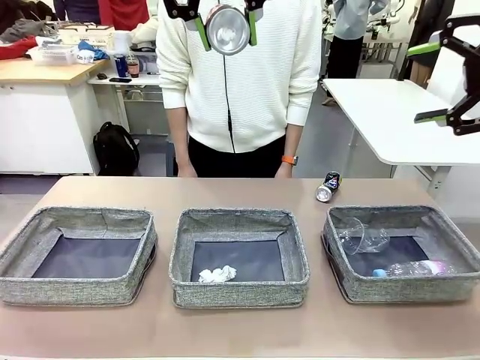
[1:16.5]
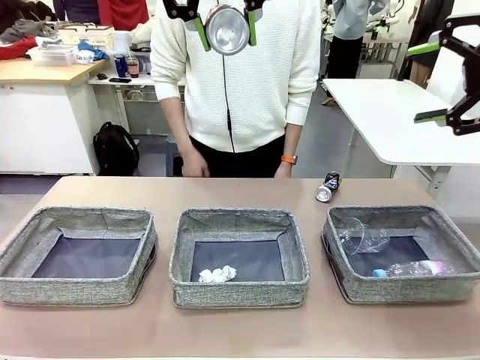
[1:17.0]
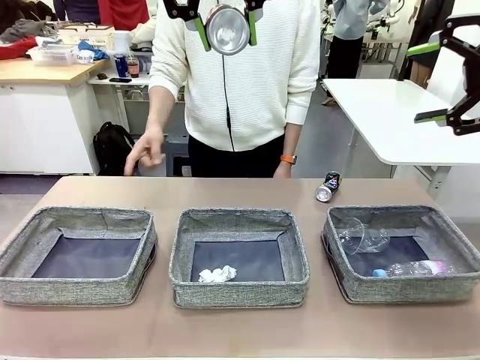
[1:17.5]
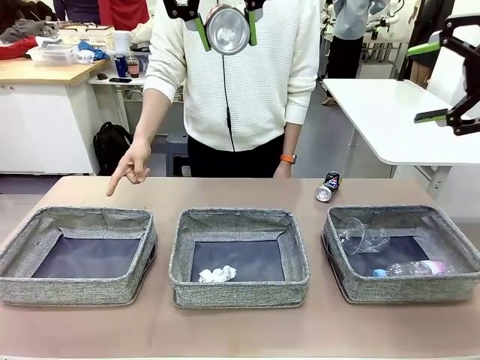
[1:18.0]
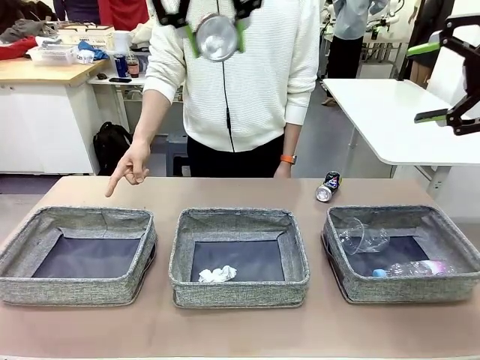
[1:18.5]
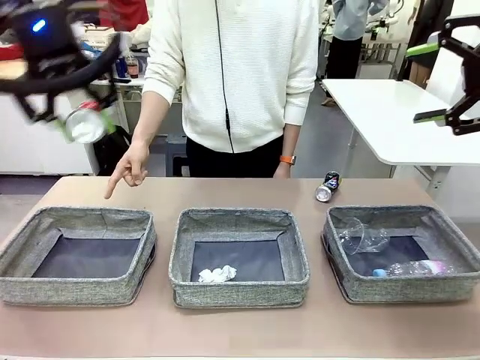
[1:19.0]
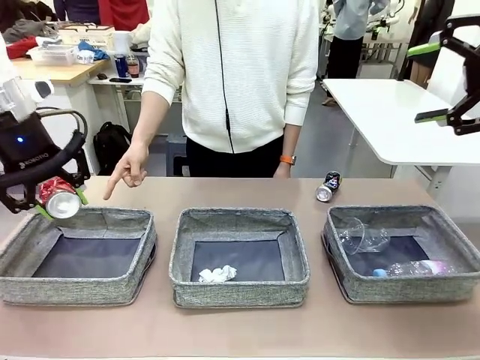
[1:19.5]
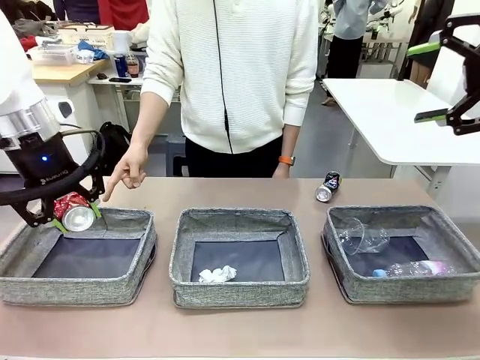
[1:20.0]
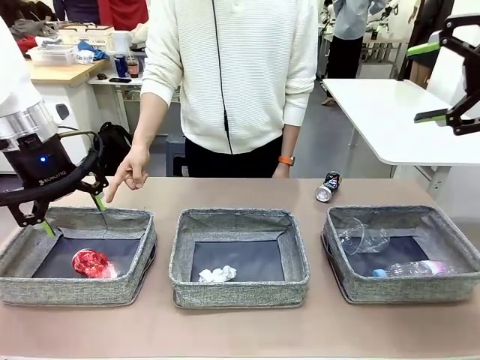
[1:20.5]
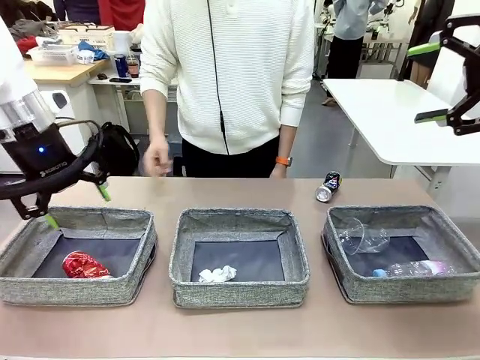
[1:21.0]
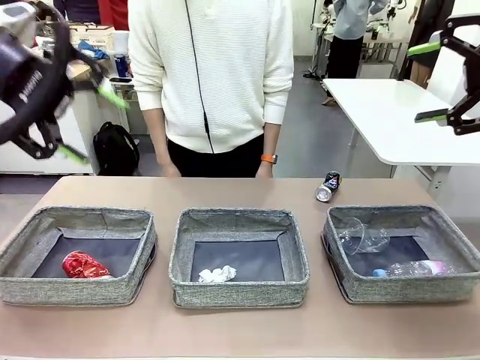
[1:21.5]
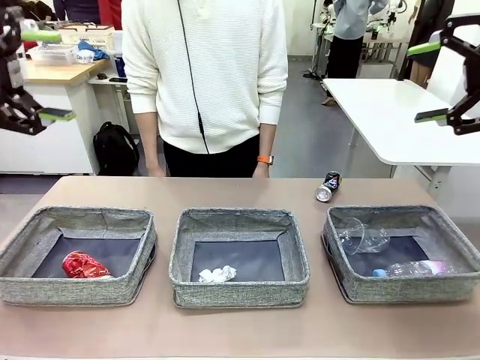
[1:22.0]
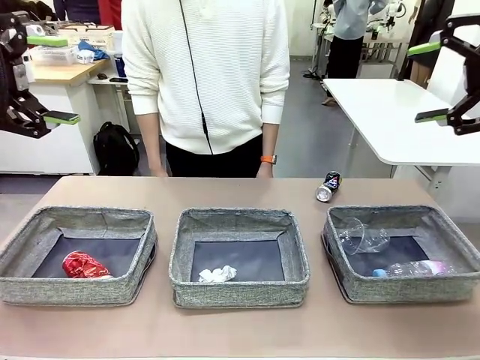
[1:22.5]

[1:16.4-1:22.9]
Task: Sort the waste into the appropriate baskets.
Robot: Place the picked waste into the Fabric basket indicated by the person.
Person: Instructs the robot to place the picked-up trash into the appropriate organizing basket.

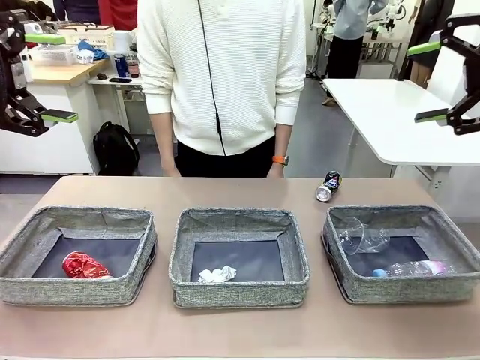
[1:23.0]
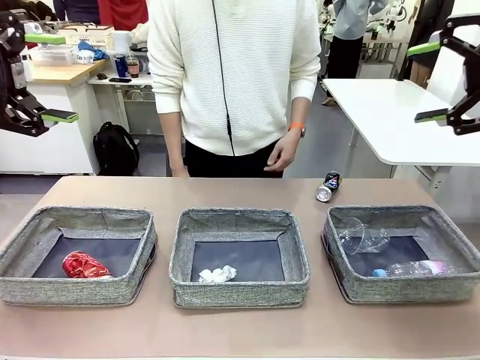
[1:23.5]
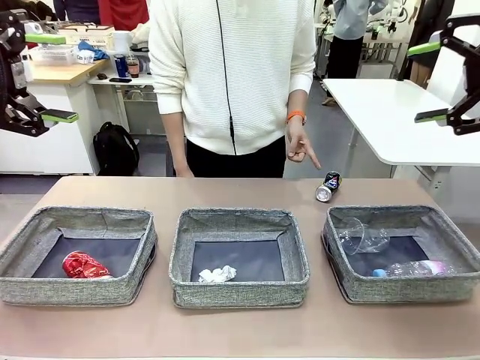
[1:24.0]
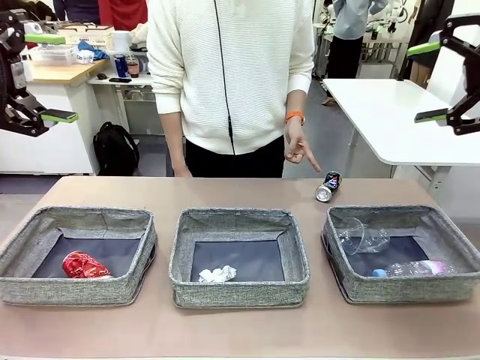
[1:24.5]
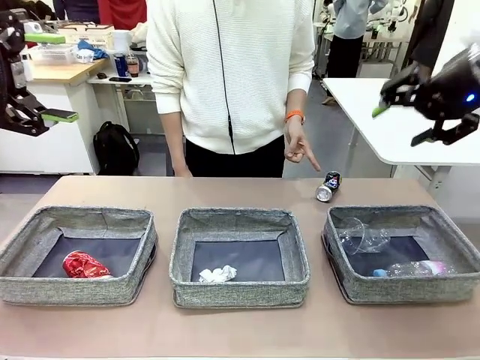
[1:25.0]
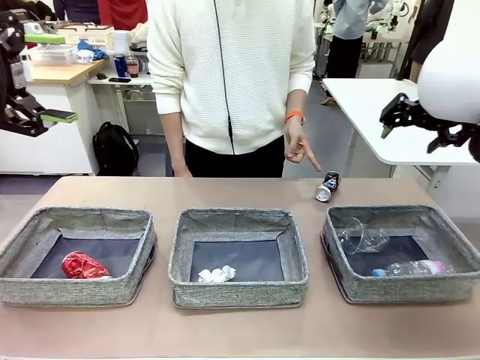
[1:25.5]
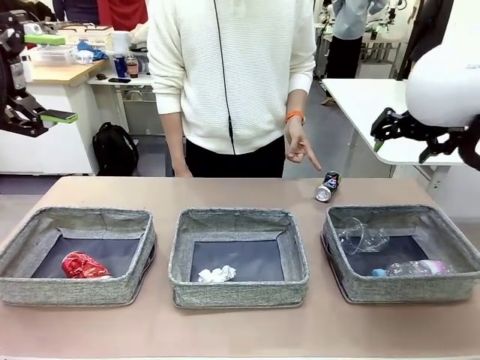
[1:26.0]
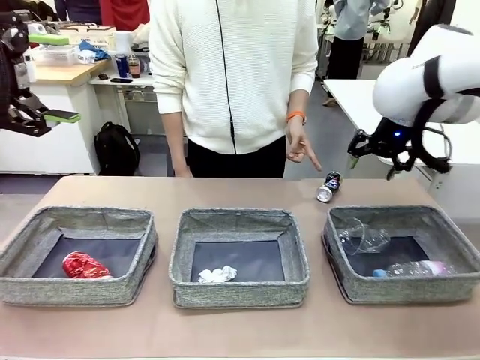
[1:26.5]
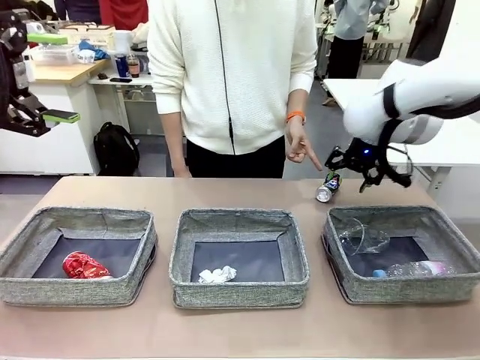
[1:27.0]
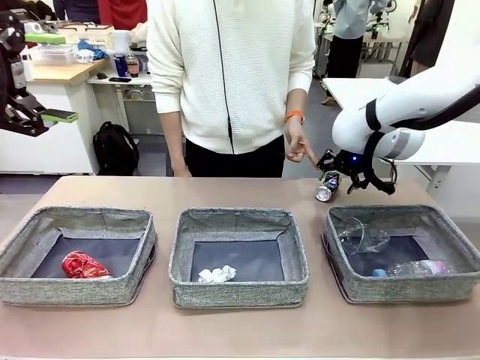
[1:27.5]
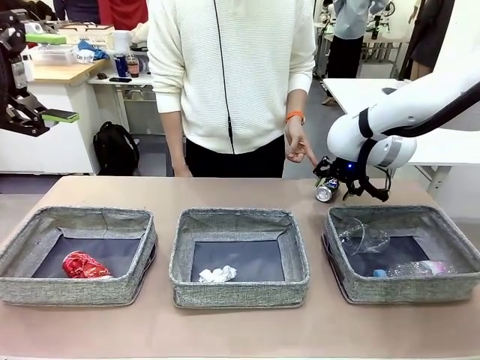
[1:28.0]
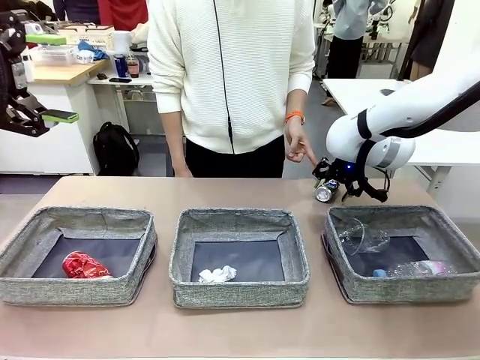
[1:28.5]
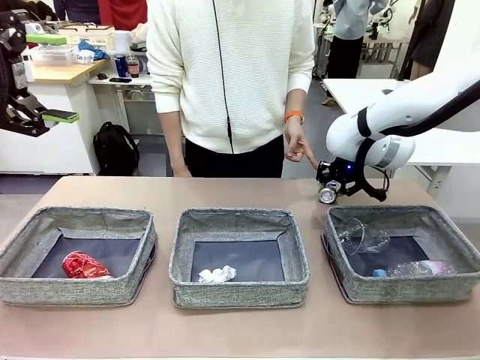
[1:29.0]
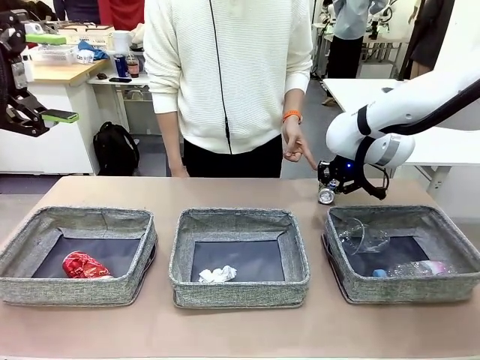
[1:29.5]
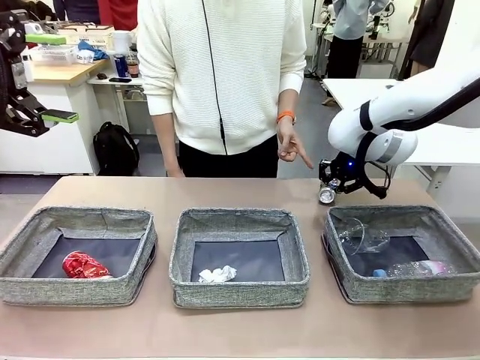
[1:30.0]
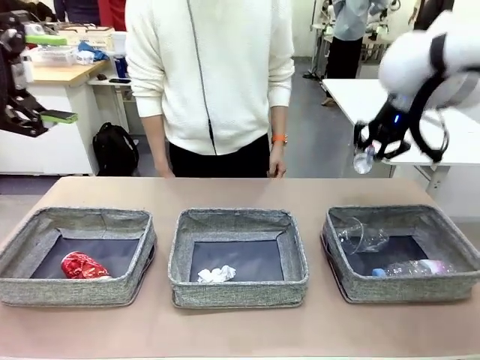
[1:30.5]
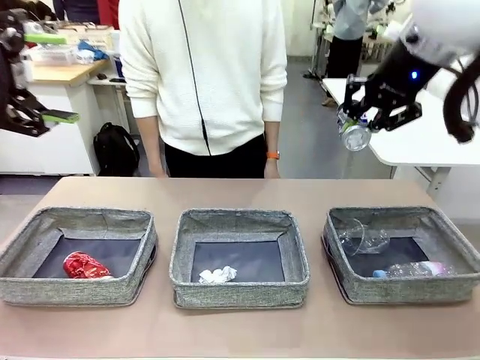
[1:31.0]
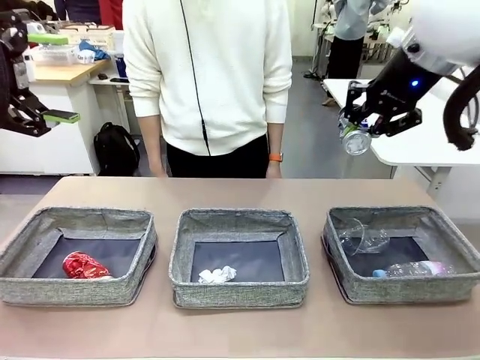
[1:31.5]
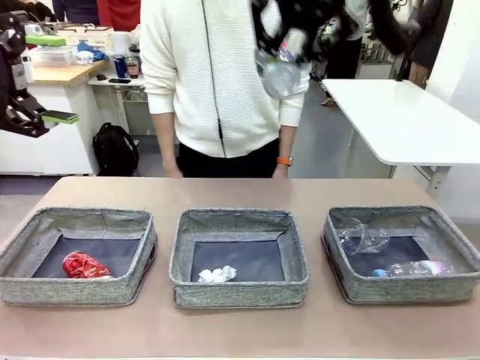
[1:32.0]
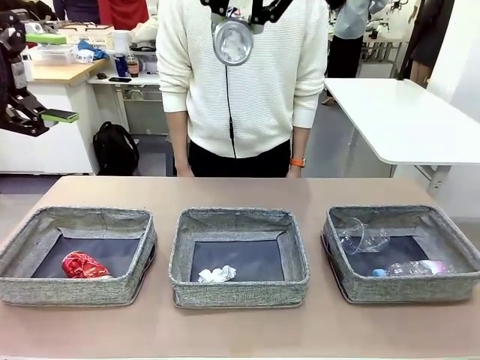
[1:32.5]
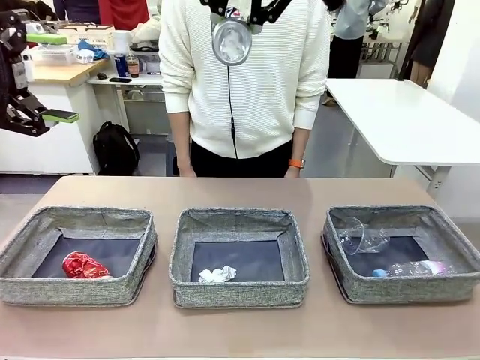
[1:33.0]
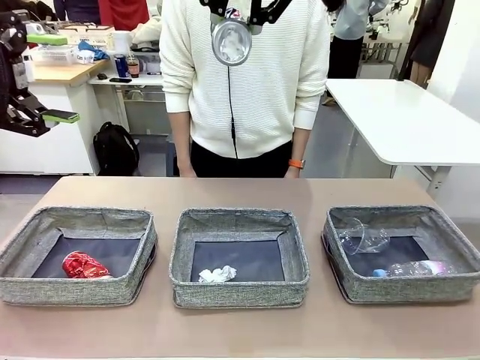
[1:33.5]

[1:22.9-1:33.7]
Robot: Pick up the waste item pointed out by the person.
Person: Points to one piece of trash on the table.

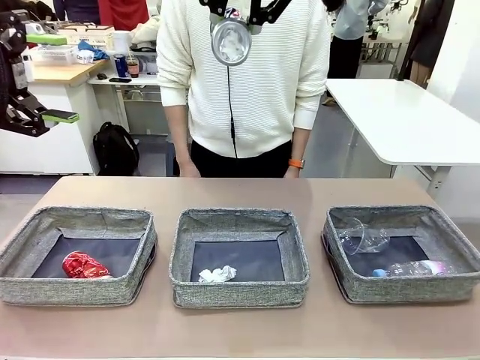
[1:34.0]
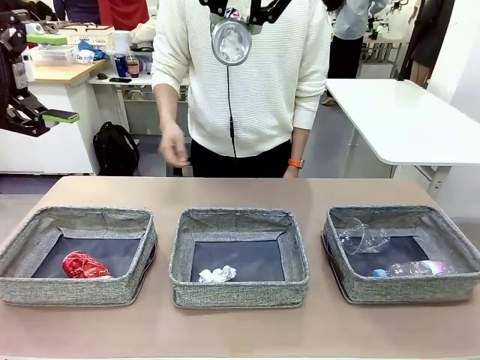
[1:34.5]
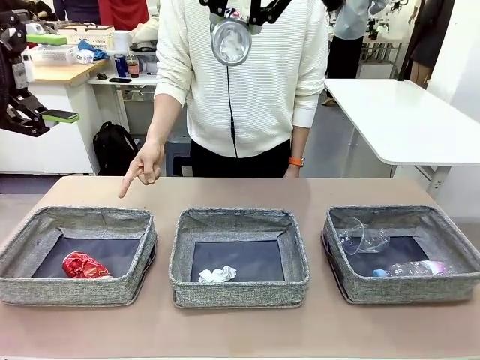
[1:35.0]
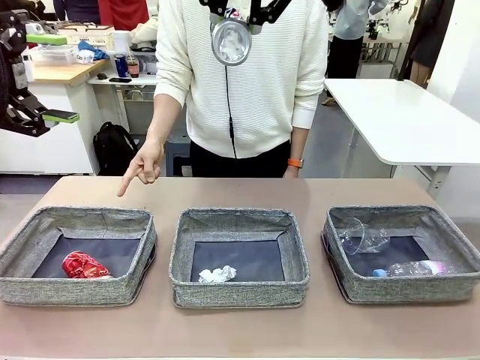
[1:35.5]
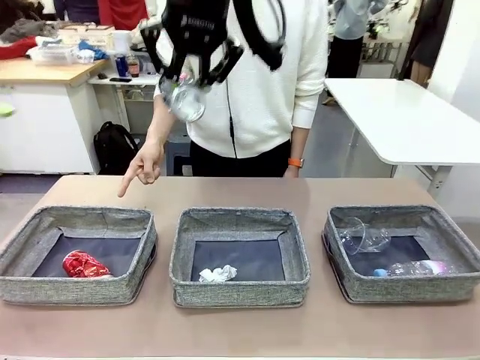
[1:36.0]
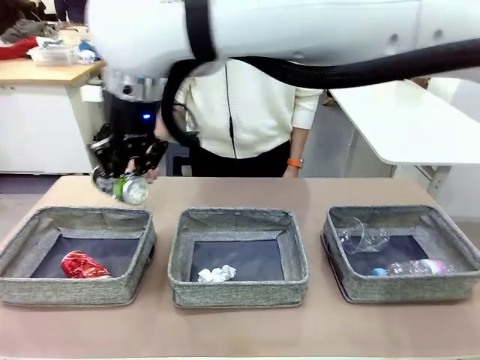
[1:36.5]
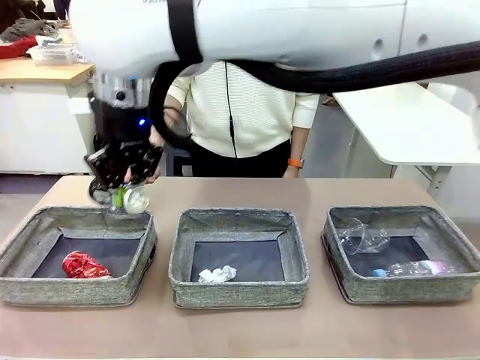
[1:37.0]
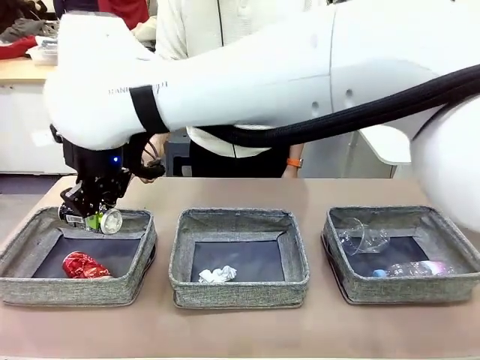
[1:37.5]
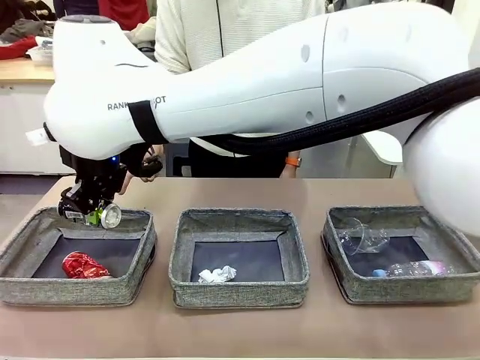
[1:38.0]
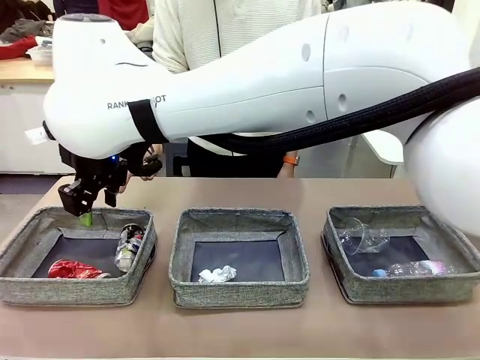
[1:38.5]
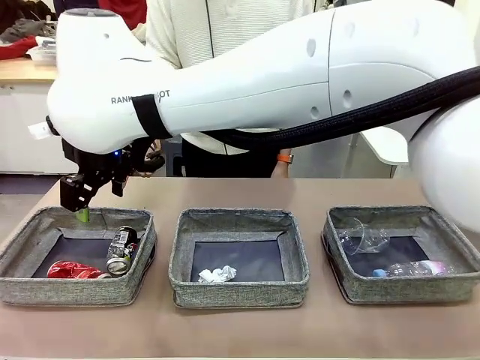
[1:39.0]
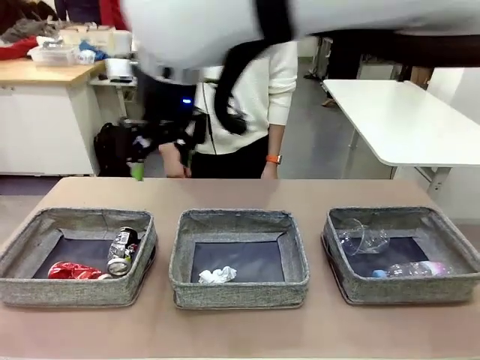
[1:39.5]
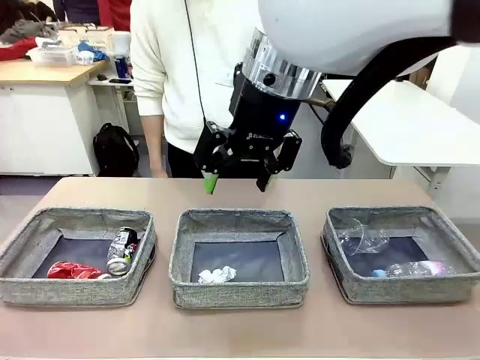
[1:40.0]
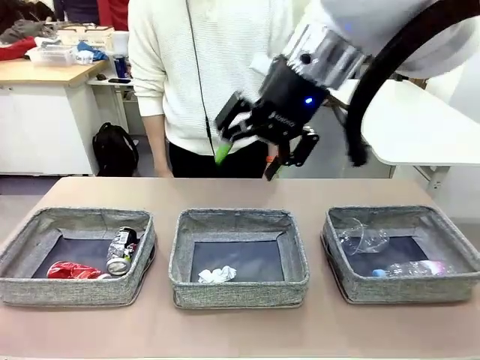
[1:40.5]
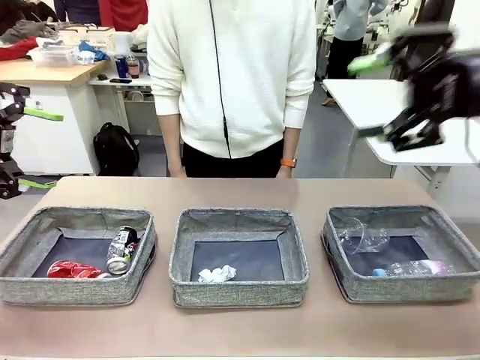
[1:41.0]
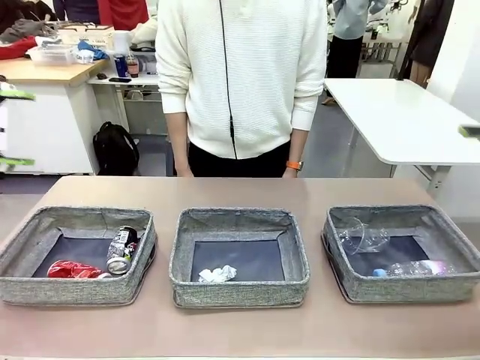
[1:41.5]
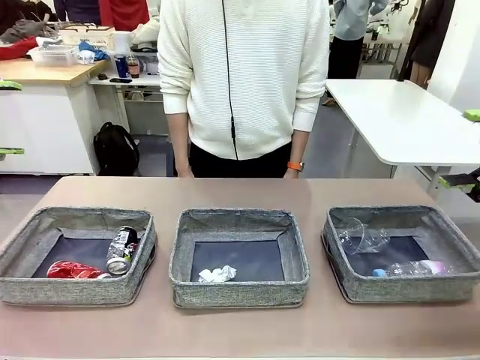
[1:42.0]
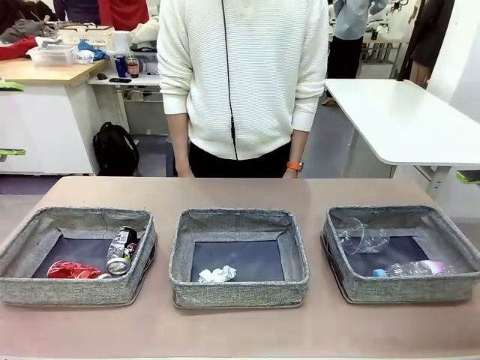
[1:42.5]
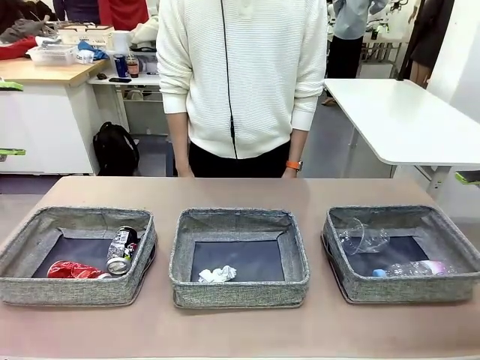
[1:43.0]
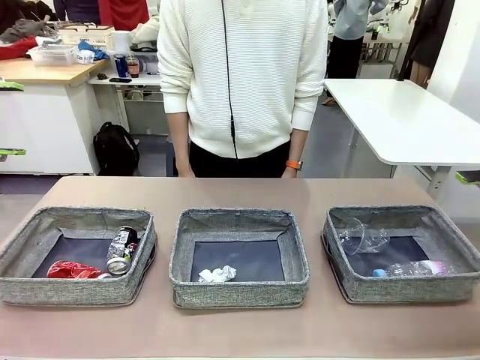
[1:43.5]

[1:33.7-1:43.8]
Robot: Place the picked waste into the Fabric basket indicated by the person.
Person: Instructs the robot to place the picked-up trash into the appropriate organizing basket.
